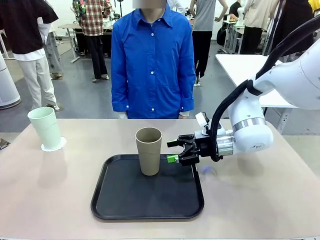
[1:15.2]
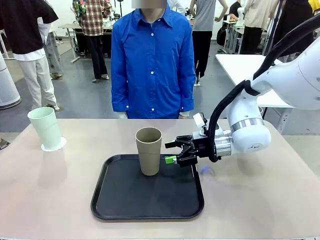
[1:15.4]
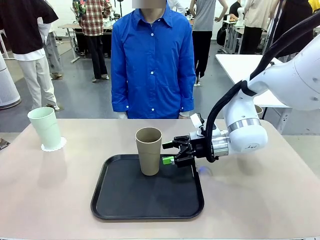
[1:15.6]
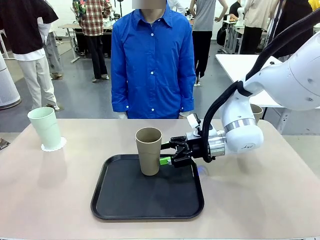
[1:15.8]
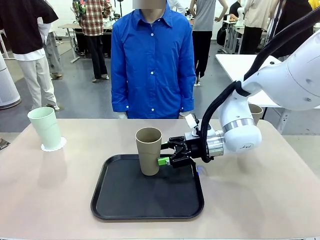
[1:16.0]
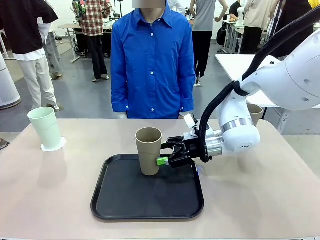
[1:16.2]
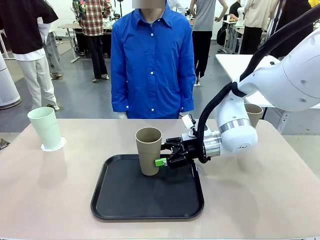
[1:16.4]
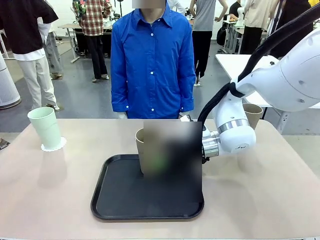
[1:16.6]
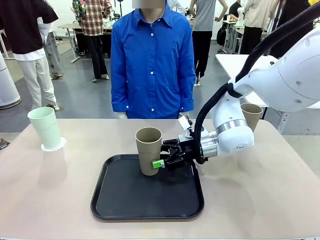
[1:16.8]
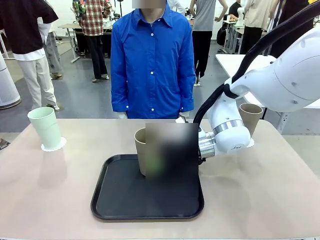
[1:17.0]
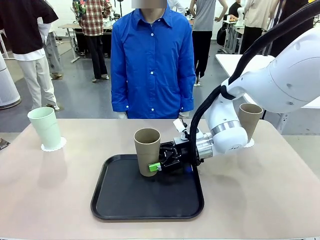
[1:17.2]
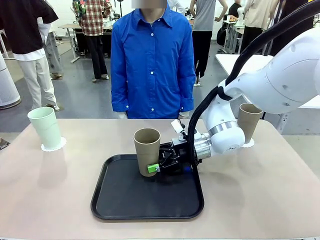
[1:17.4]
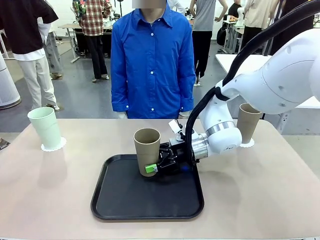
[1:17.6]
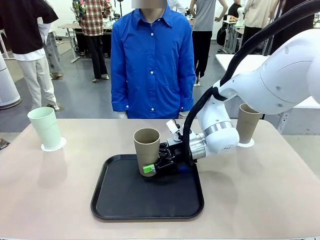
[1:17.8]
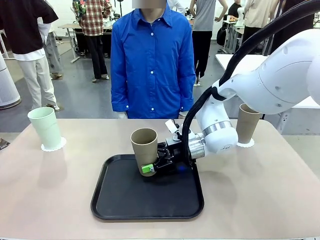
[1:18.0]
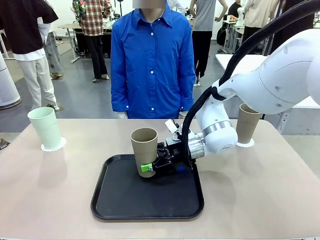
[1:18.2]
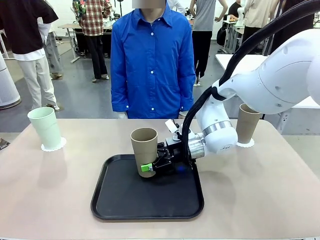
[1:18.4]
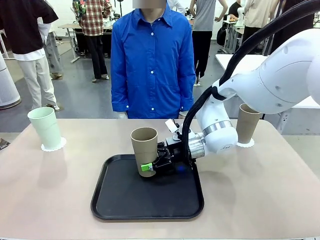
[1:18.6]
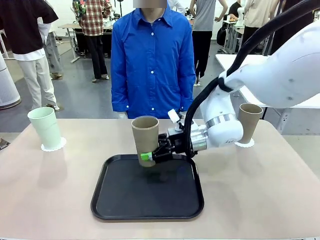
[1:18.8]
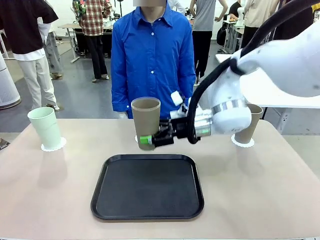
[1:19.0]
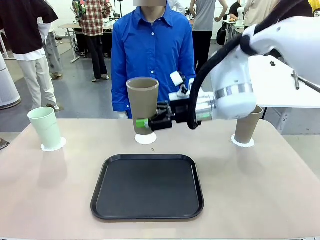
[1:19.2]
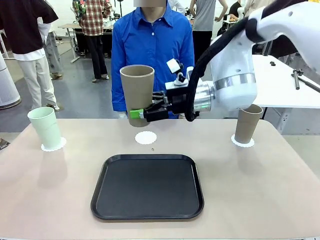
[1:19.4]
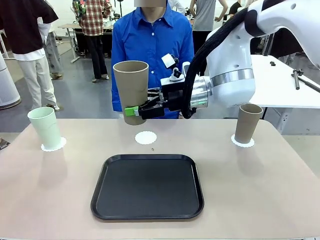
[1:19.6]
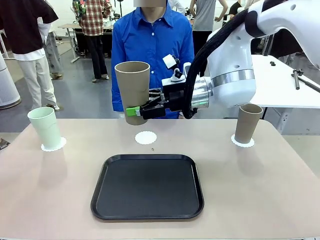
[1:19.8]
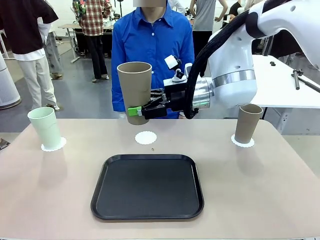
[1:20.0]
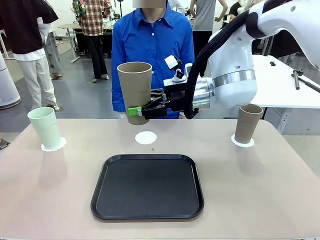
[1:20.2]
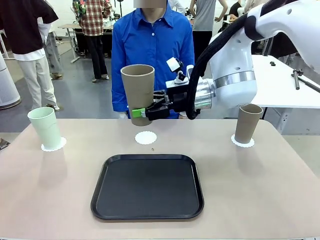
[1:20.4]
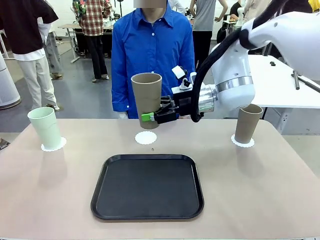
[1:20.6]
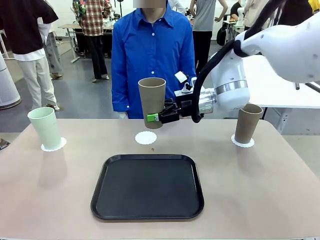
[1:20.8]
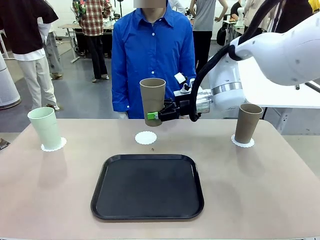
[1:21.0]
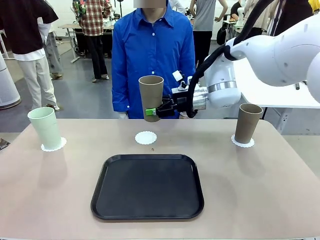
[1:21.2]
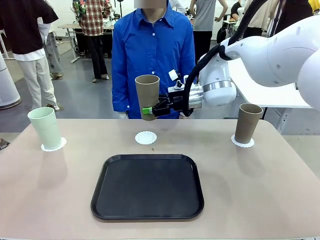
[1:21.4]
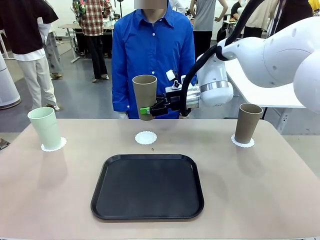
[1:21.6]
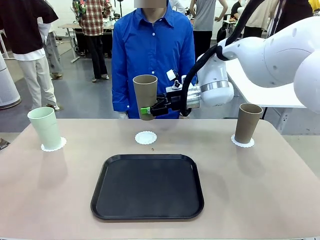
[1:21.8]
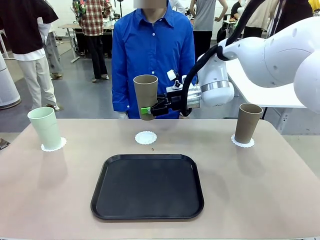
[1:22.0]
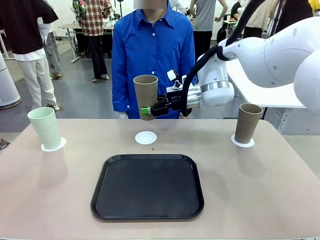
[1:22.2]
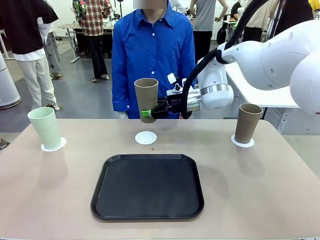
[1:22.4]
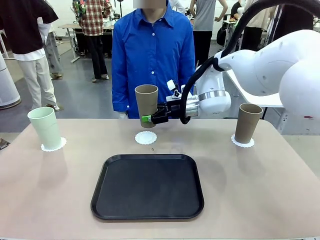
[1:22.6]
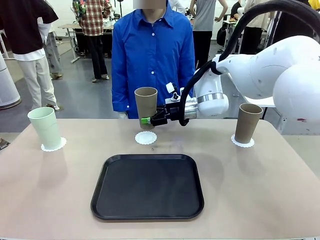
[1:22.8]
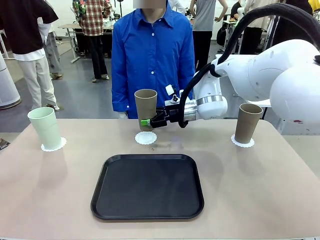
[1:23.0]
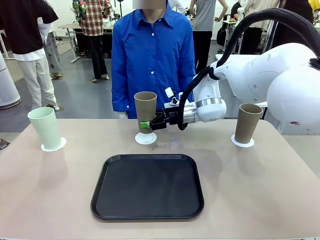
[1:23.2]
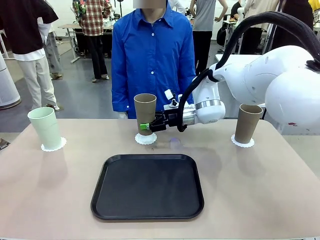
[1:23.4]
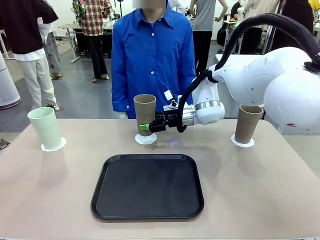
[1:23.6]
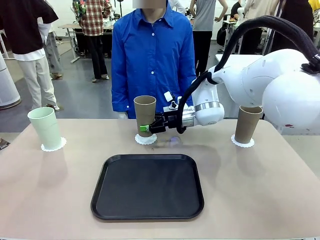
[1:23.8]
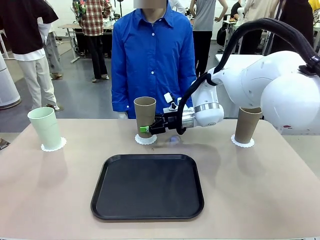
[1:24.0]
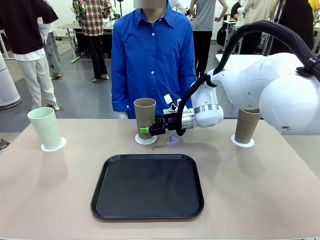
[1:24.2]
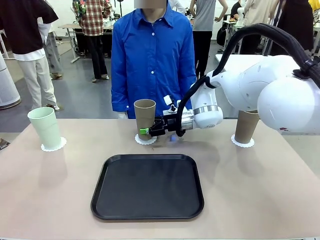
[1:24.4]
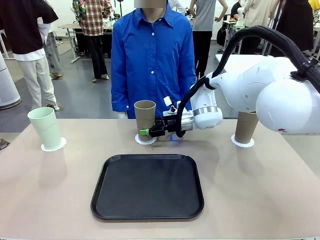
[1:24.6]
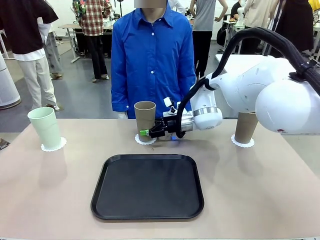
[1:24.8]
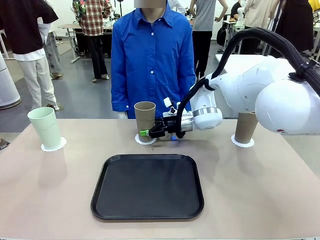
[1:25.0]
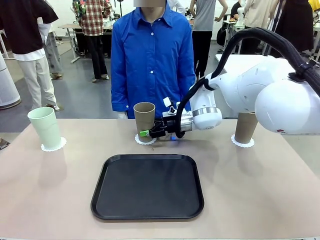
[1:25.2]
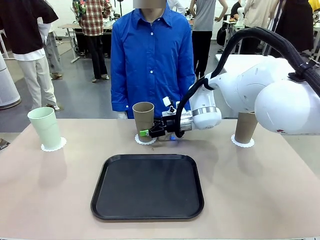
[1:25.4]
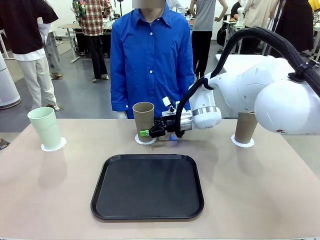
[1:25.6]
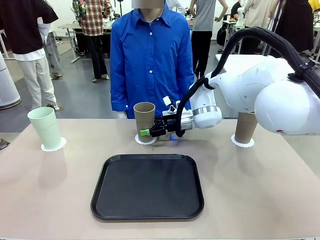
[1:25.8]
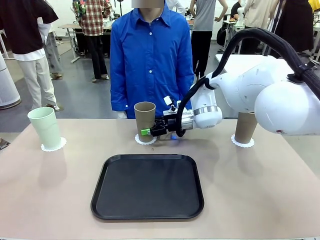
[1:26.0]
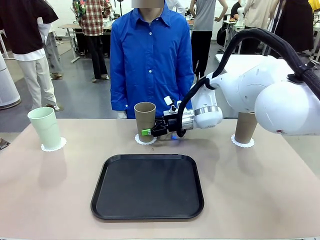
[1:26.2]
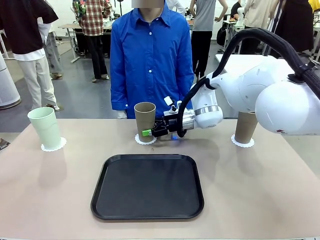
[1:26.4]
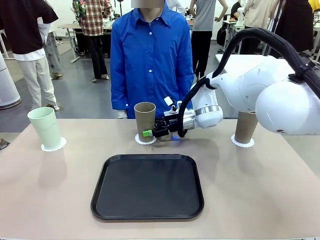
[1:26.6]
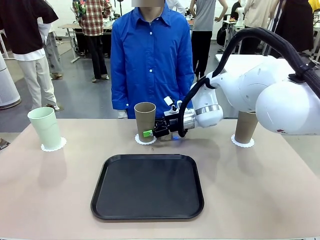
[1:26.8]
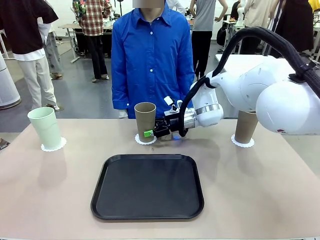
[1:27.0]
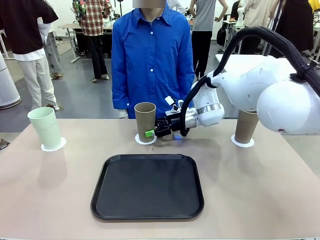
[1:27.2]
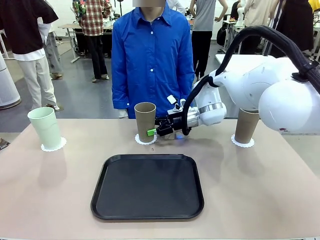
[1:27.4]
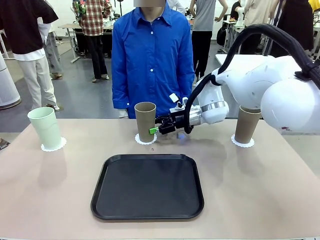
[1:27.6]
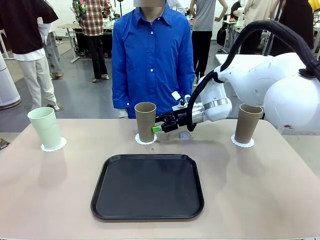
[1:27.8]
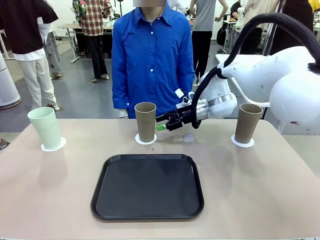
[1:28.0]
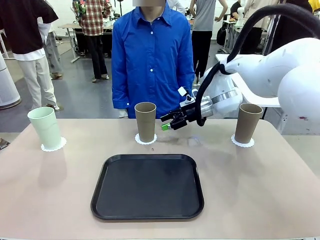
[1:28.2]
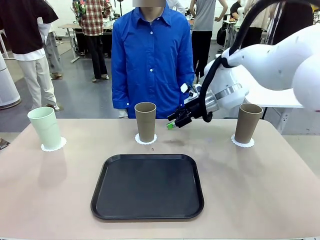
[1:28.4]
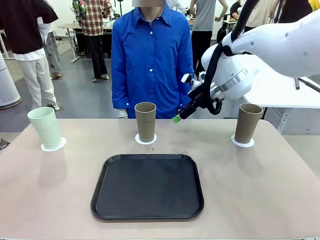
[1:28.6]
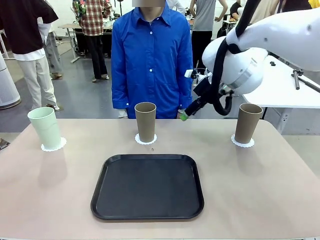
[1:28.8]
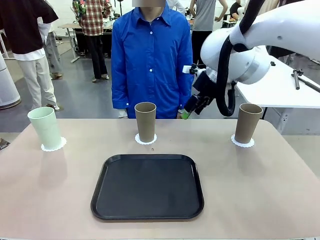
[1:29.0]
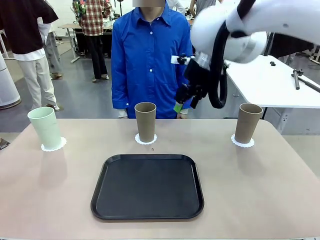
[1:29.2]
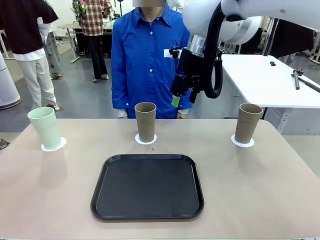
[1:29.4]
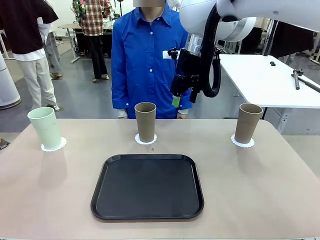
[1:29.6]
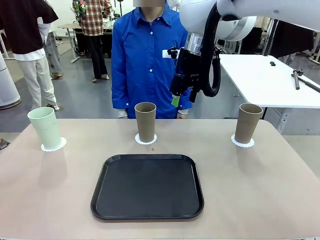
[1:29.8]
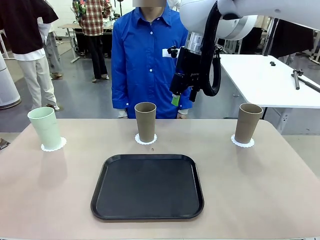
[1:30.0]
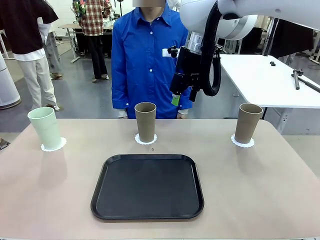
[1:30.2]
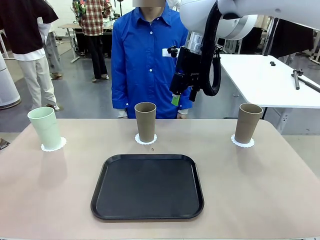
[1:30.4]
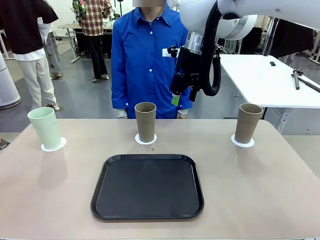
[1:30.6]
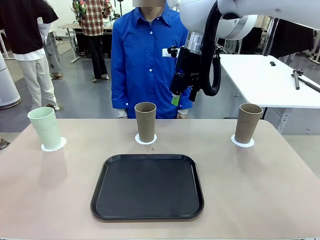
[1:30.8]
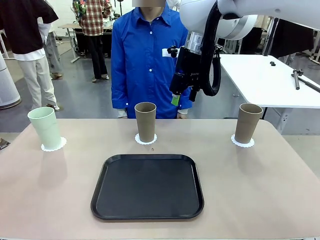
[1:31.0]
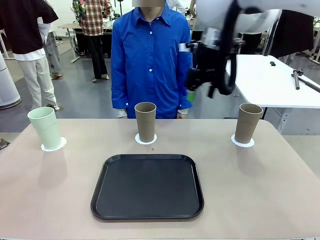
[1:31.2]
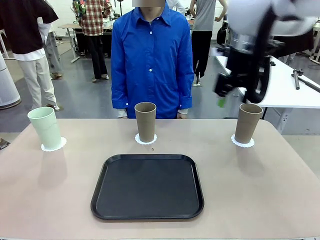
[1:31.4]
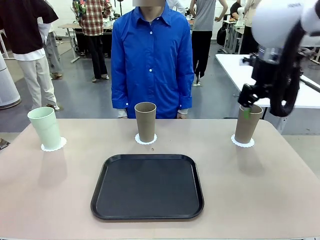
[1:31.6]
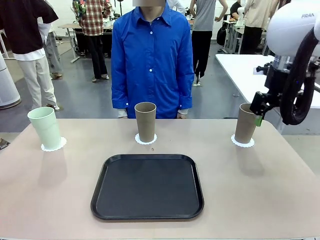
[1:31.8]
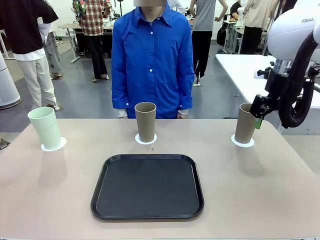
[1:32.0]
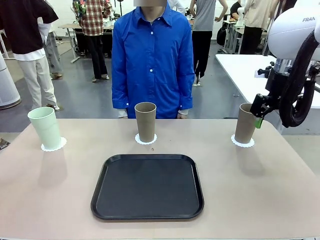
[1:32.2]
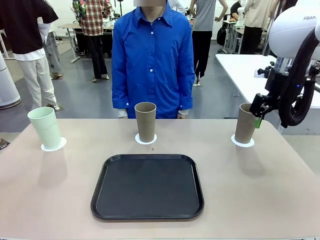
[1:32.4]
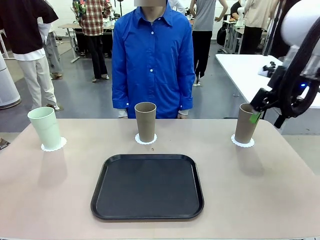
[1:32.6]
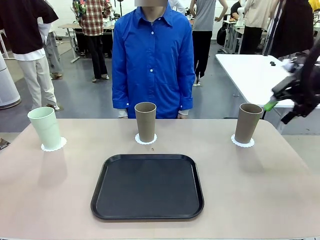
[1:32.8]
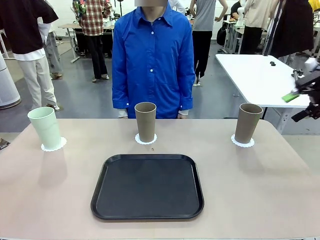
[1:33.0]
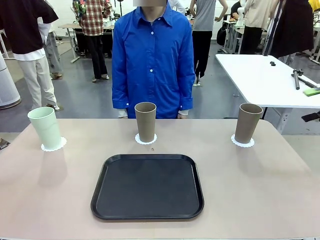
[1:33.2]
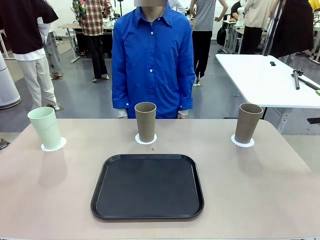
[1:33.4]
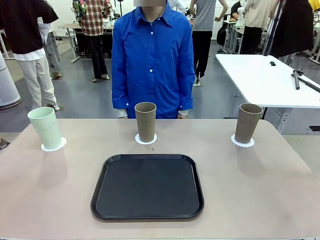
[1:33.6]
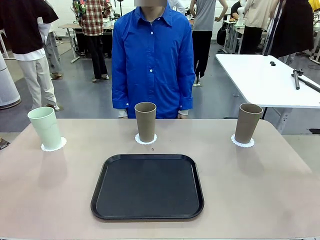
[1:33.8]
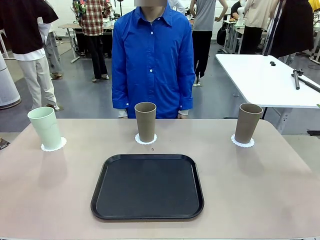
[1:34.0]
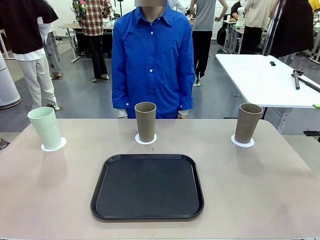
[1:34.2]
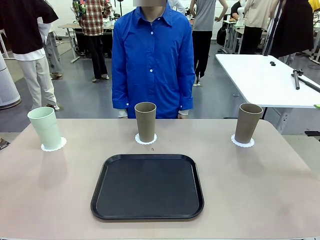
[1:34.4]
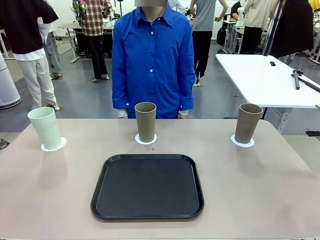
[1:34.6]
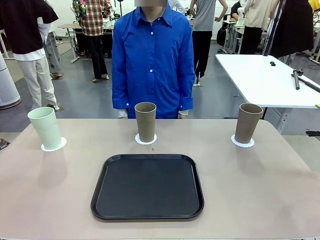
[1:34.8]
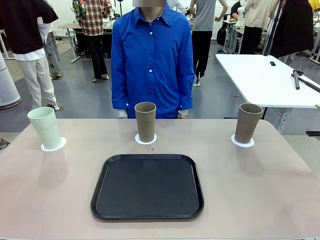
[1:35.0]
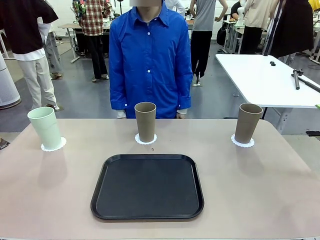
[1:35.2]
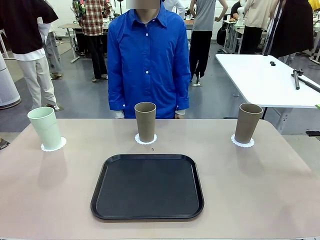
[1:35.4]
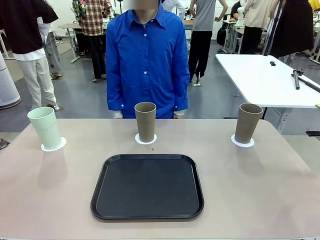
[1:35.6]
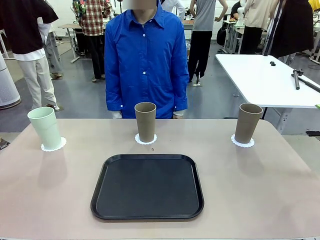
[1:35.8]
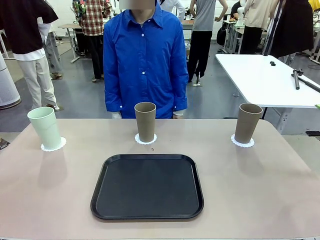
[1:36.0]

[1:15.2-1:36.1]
Task: Place coasters on the table and set cups on them.
Robot: Take one Reusable plastic cup from the Flat Tray and place it on a coaster set by the human.
